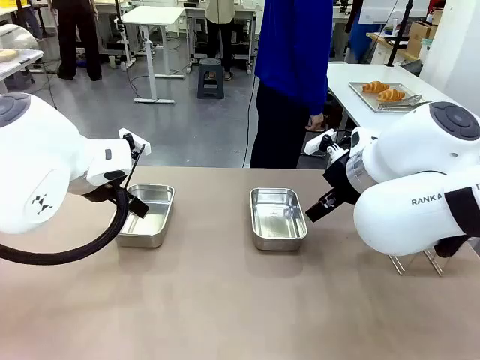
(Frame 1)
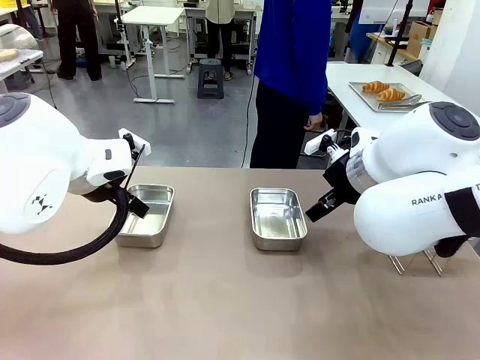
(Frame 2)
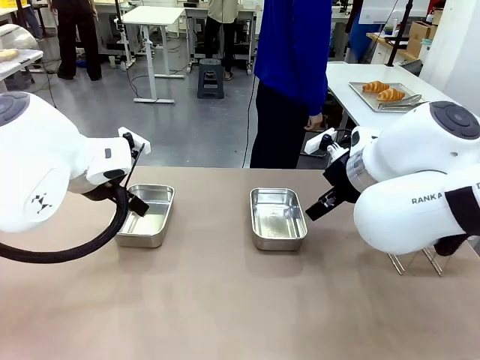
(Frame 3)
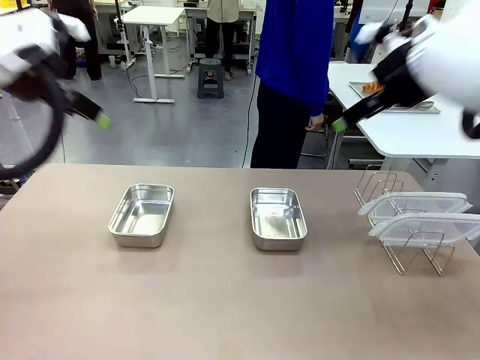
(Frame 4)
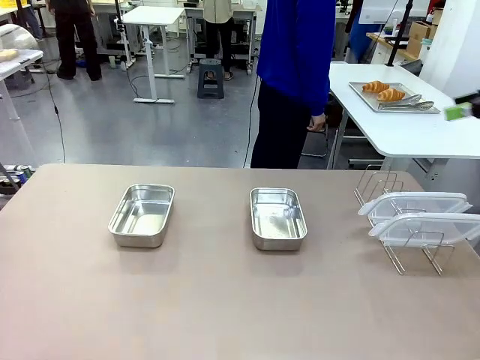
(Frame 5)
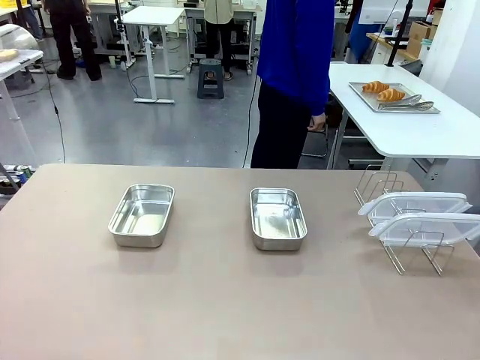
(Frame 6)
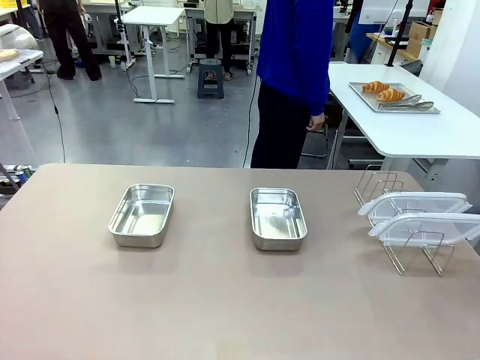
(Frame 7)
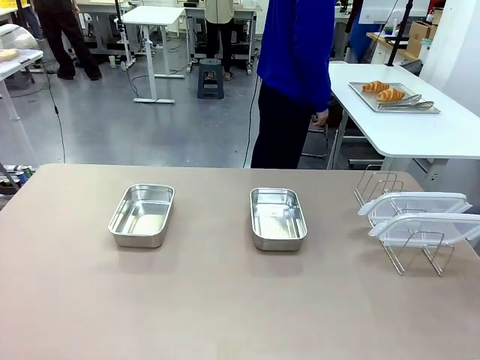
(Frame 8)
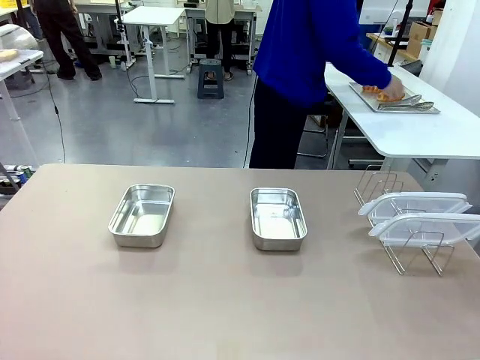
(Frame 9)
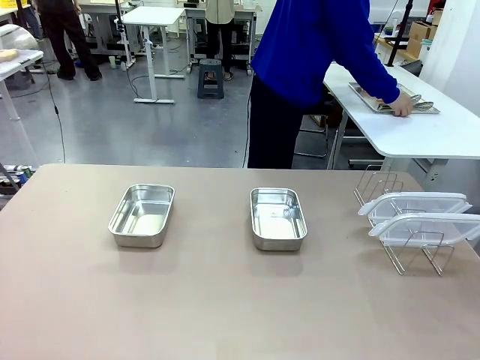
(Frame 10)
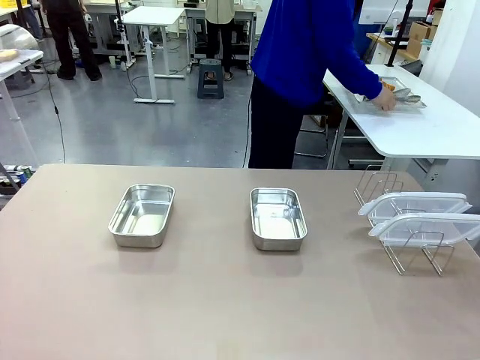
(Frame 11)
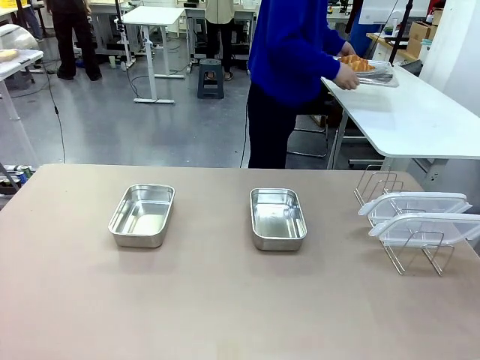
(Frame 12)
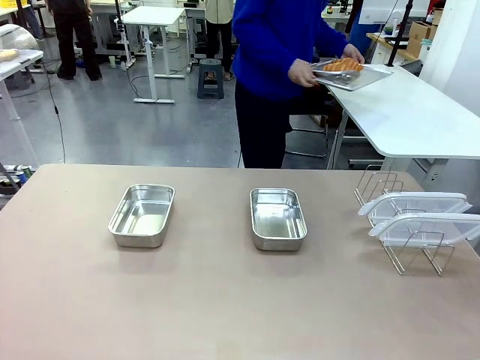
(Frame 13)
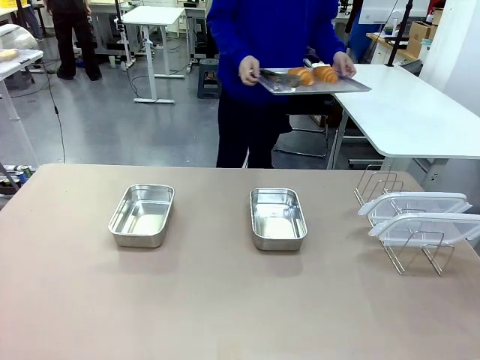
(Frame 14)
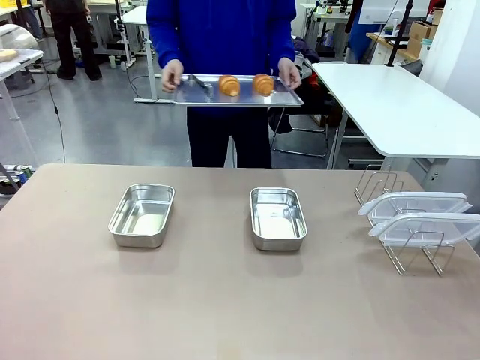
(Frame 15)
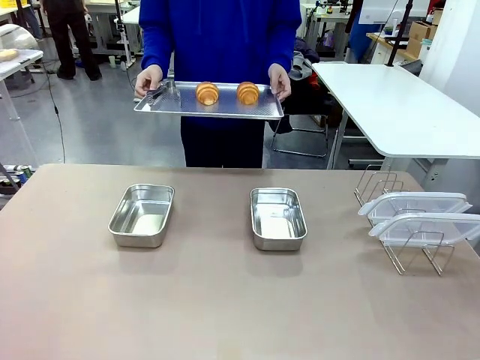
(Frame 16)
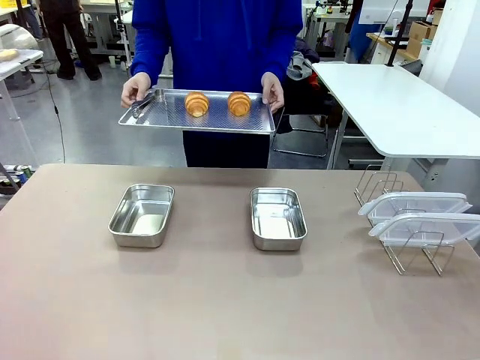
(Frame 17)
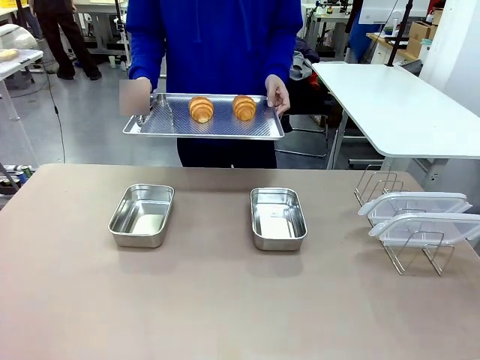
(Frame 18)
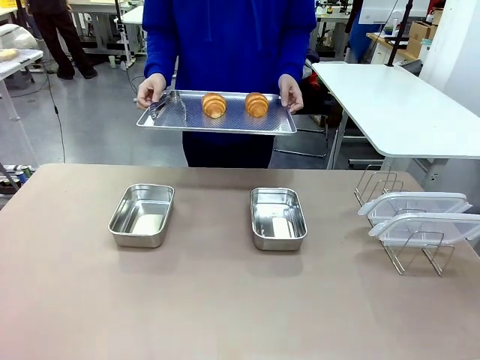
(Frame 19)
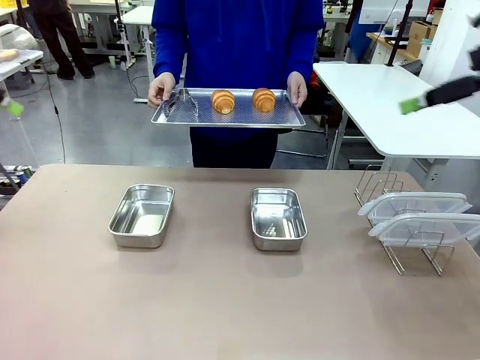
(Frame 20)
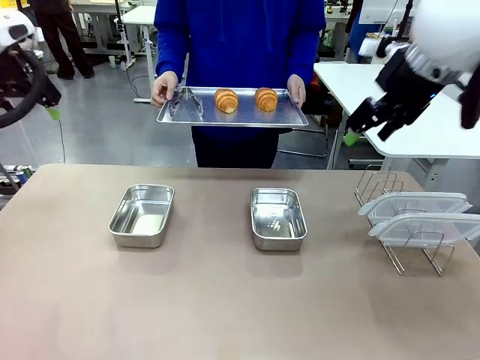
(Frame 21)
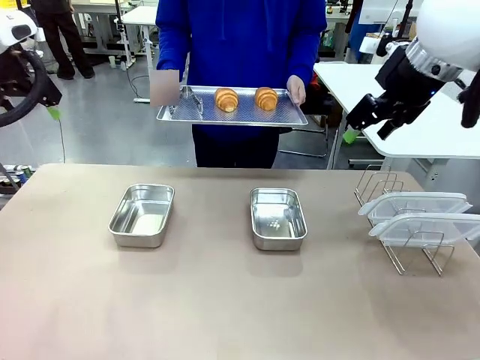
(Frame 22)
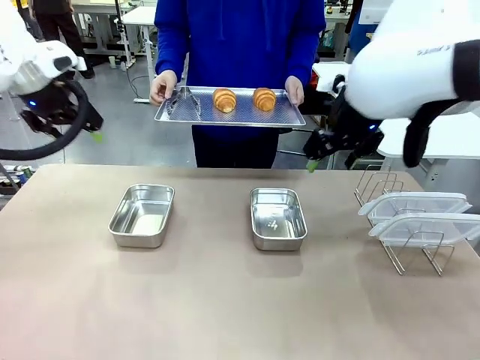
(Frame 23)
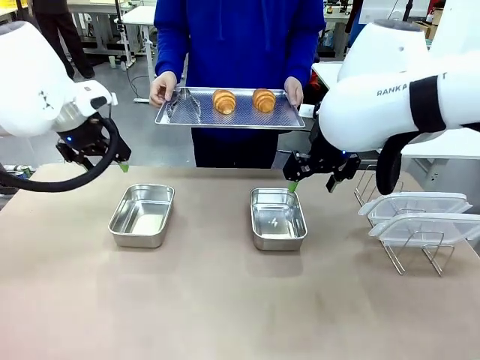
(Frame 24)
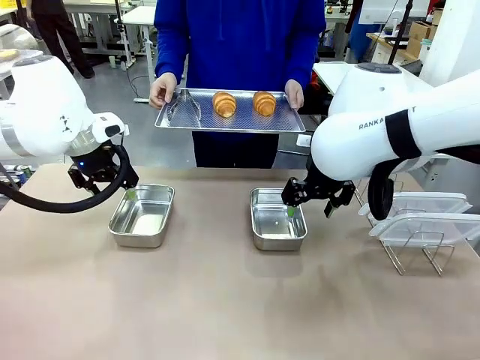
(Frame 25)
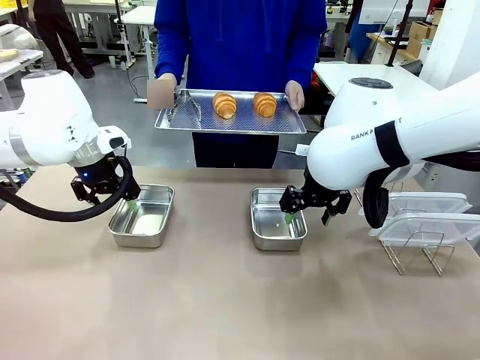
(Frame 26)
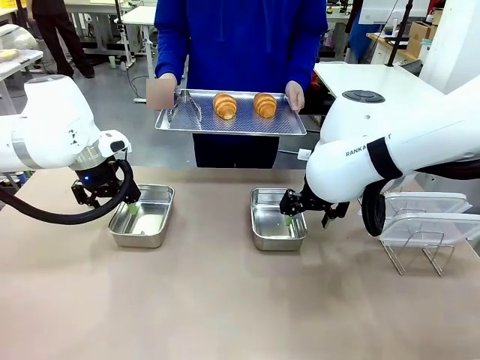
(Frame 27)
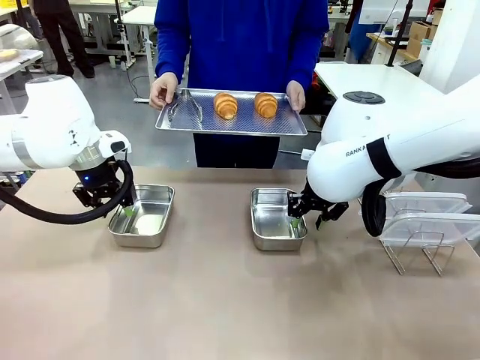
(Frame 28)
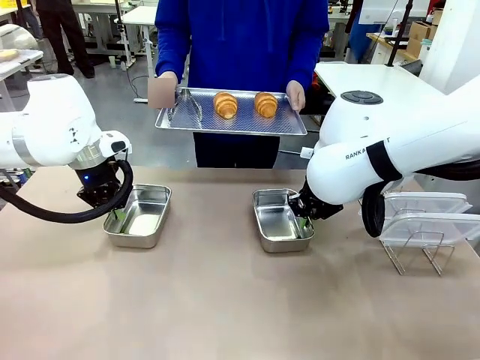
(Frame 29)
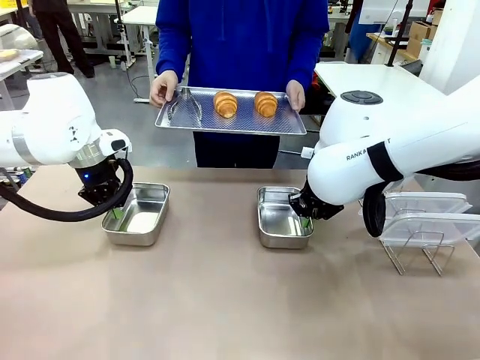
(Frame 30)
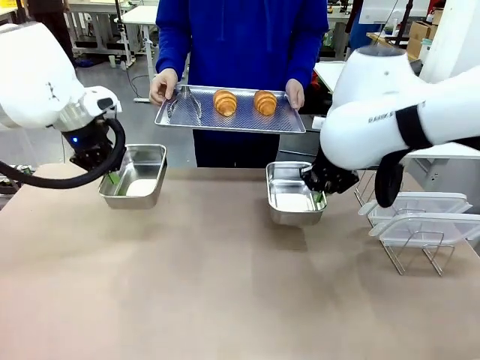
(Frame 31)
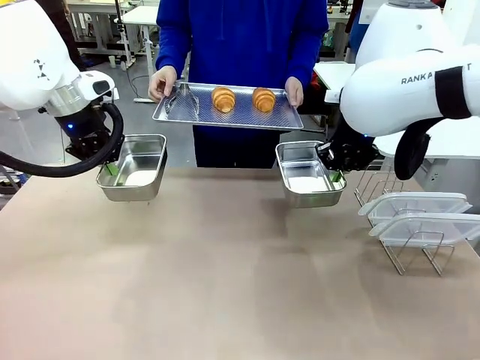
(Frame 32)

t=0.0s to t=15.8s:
Task: Place the bread in airtight containers.
Robot: Lift both Airtight Container.
Person: Bring the Baking Sheet in front of Robot's Table.

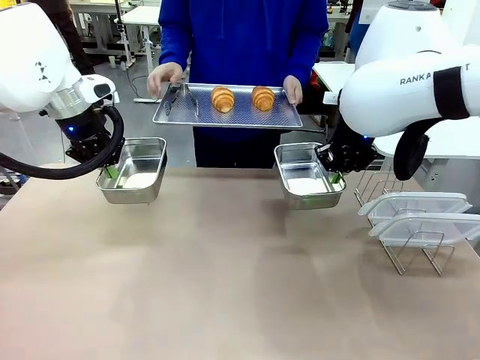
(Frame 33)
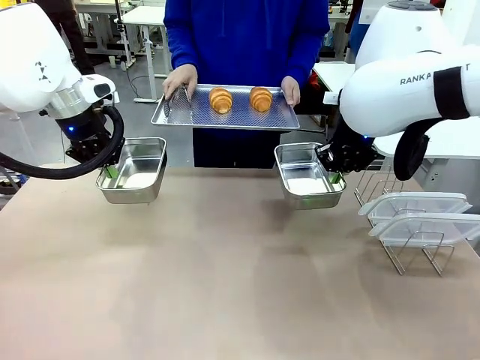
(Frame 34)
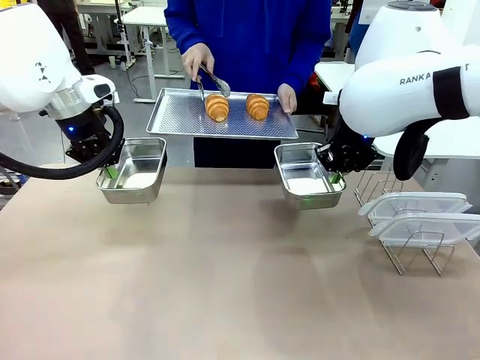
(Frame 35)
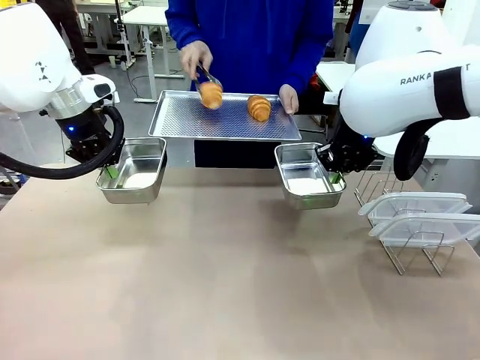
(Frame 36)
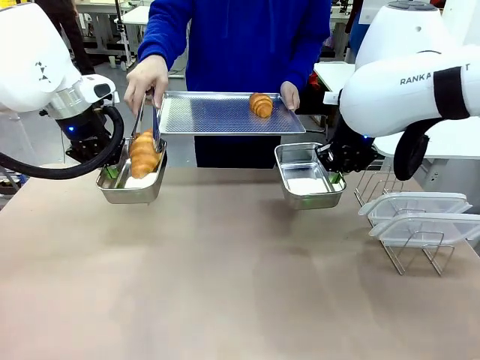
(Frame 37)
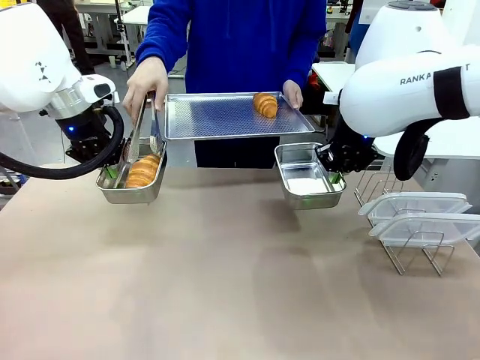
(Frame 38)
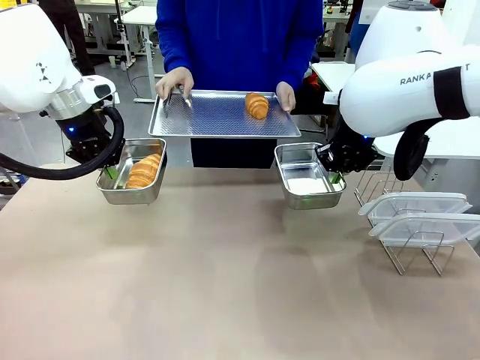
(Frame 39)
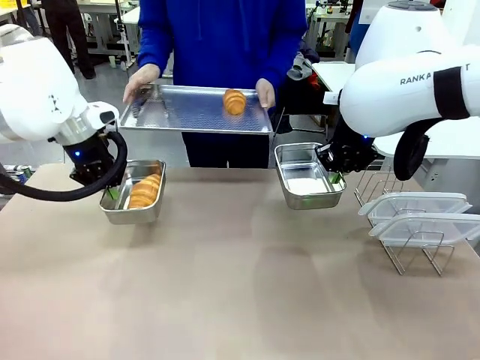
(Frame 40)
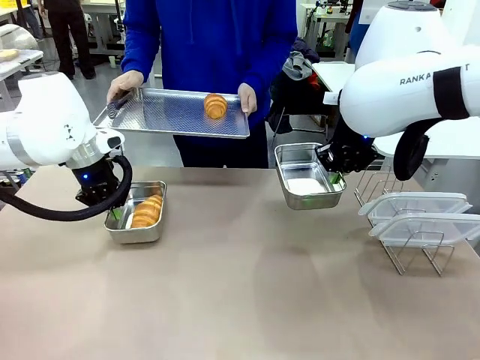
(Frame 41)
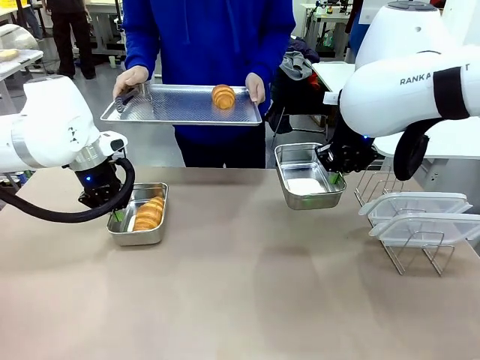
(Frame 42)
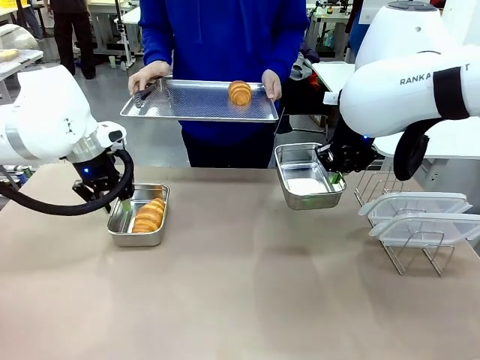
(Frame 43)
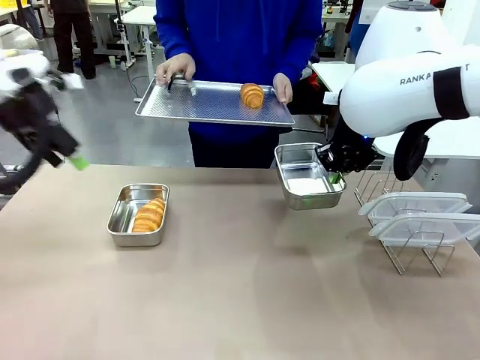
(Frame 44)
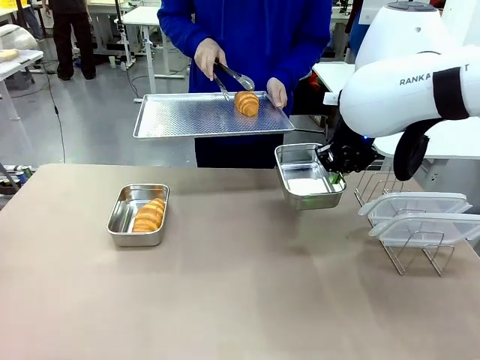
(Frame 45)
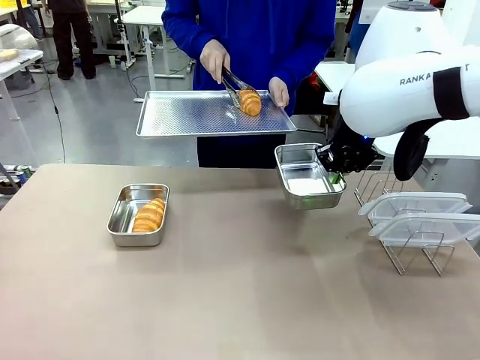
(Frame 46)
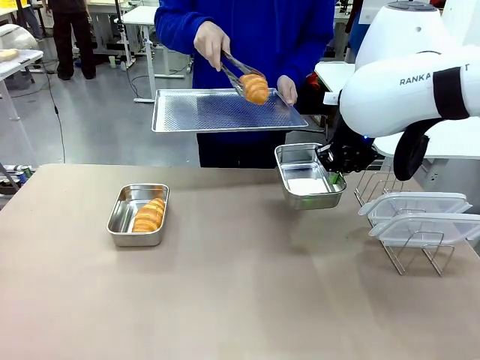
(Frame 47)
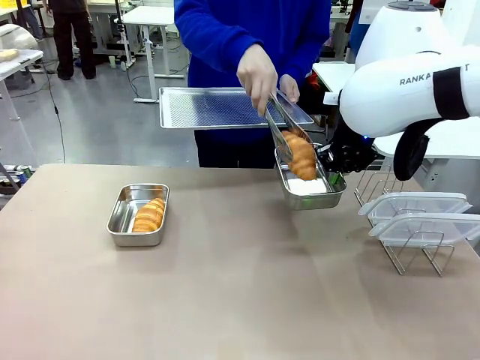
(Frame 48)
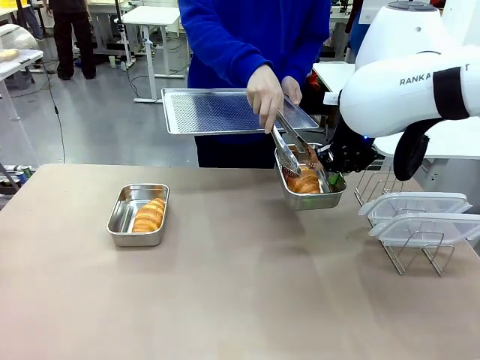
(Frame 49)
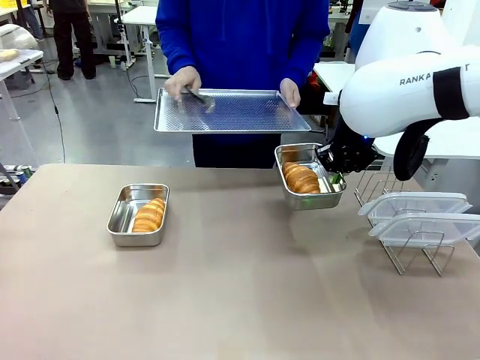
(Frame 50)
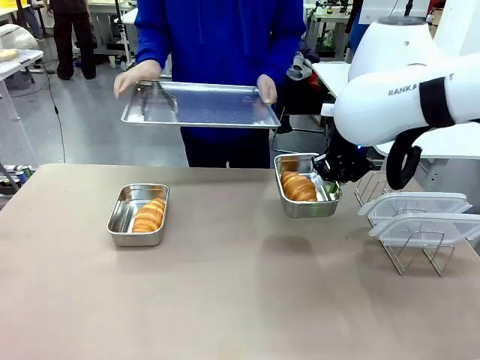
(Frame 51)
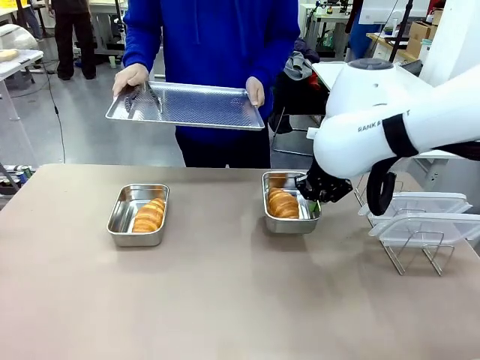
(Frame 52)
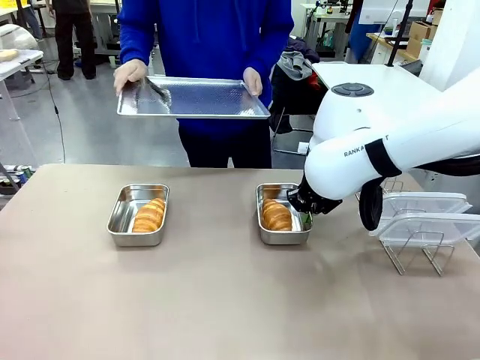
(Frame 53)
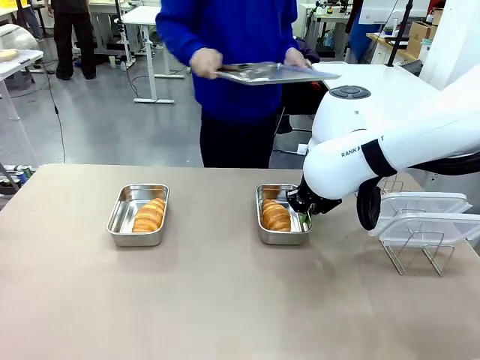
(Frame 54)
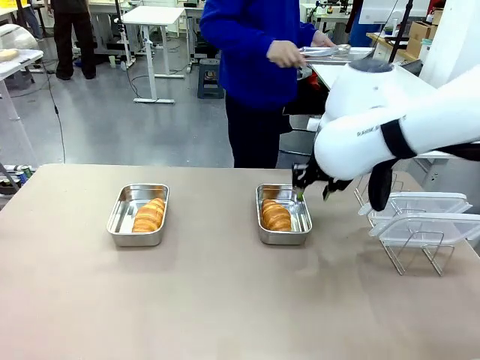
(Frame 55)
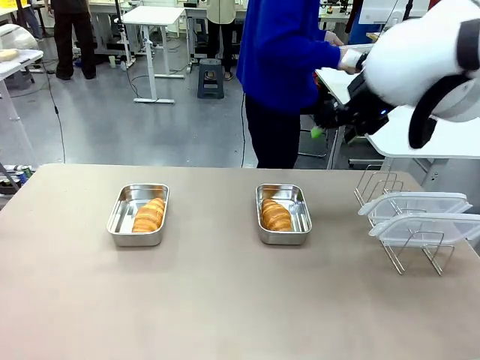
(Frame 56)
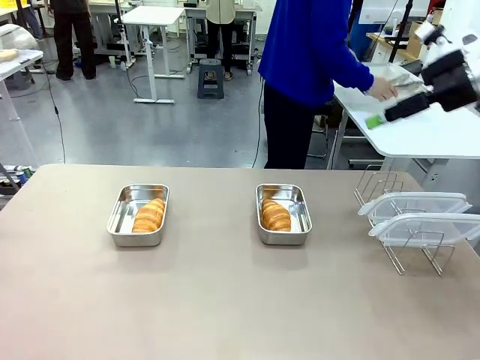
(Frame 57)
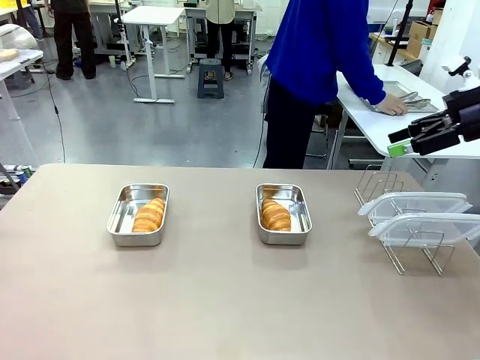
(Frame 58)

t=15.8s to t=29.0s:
Robot: Once an object is inside an Airtight Container , place the container in the center of the table.
Person: Use the Stainless steel tongs to place one object from Baking Sheet into one Airtight Container. Place Baking Sheet on the Human's Table.
